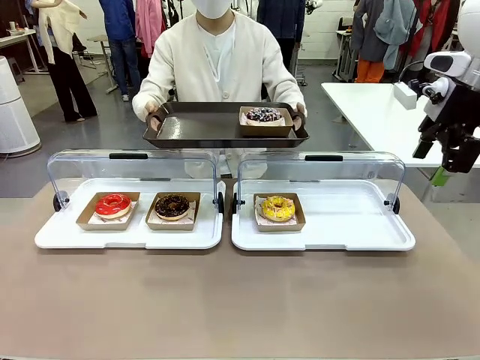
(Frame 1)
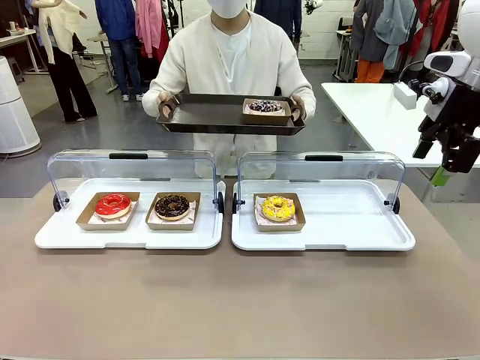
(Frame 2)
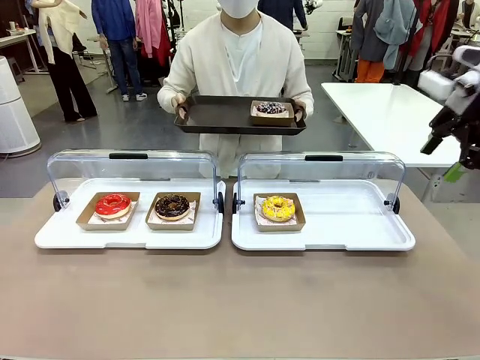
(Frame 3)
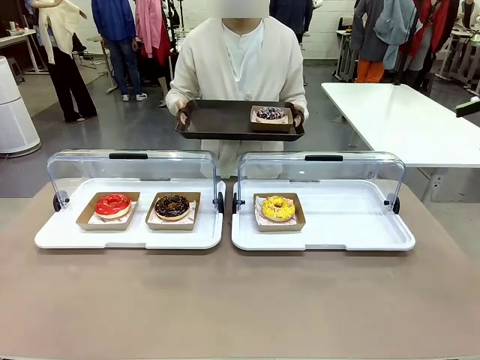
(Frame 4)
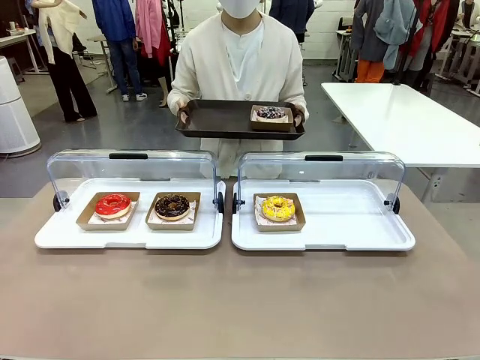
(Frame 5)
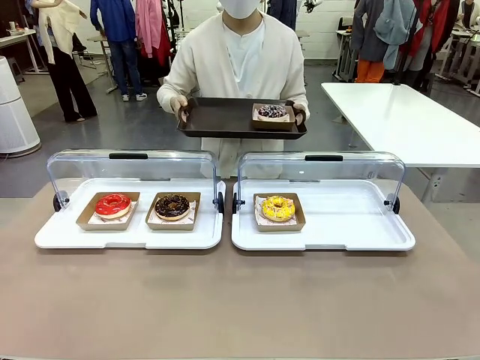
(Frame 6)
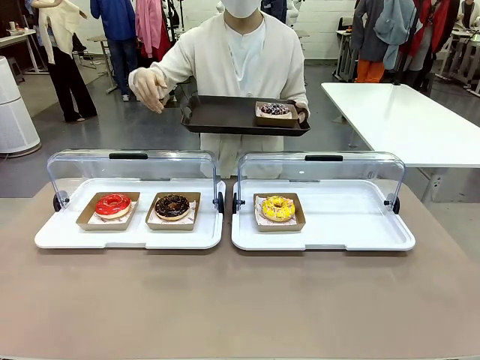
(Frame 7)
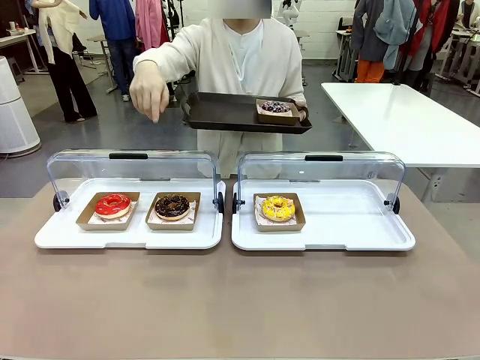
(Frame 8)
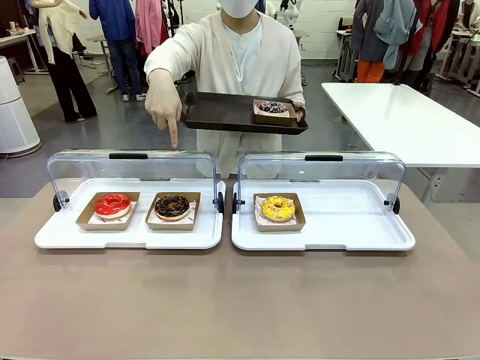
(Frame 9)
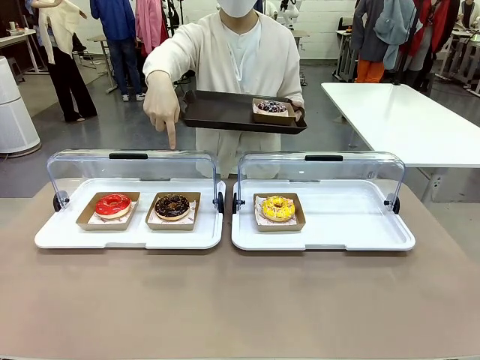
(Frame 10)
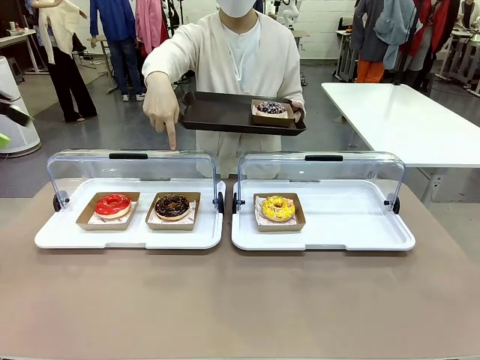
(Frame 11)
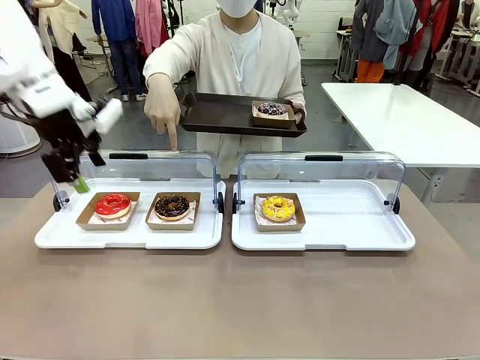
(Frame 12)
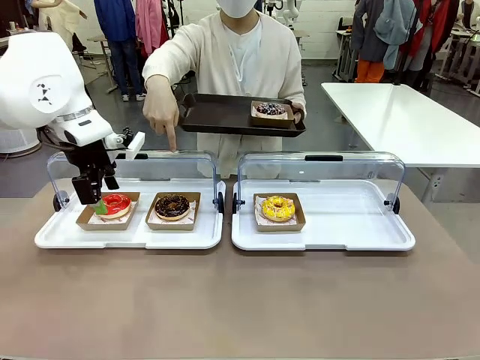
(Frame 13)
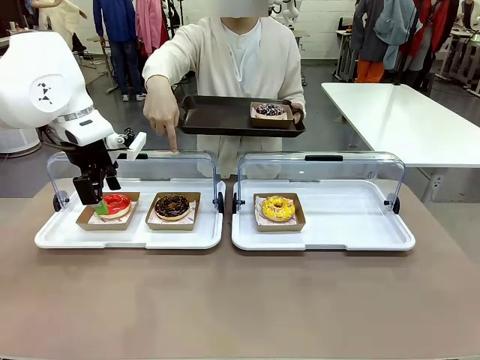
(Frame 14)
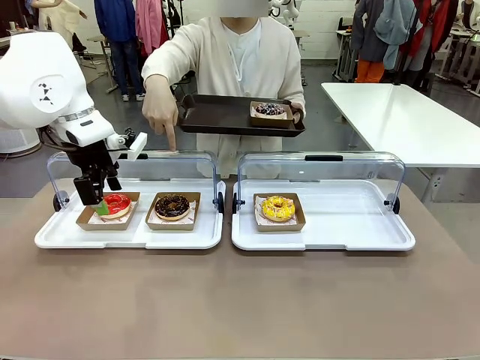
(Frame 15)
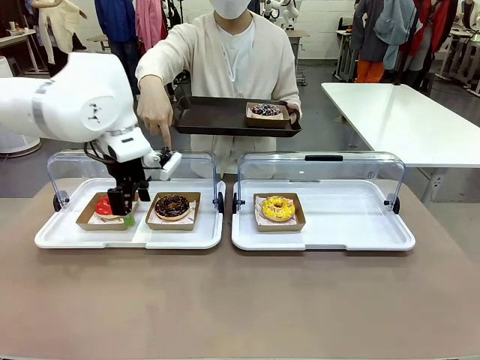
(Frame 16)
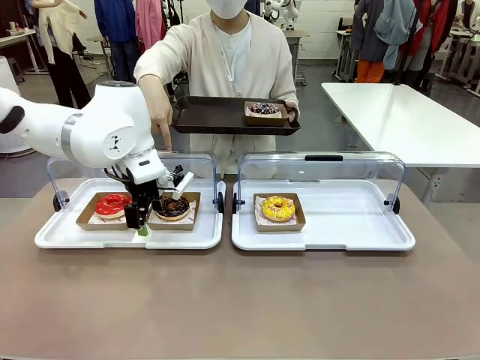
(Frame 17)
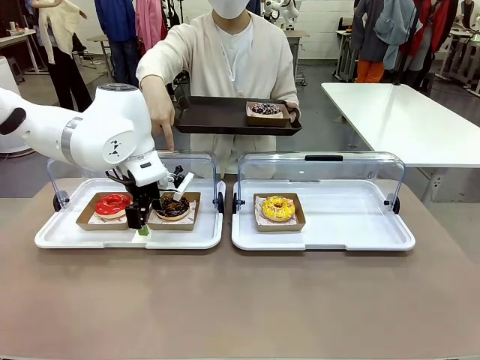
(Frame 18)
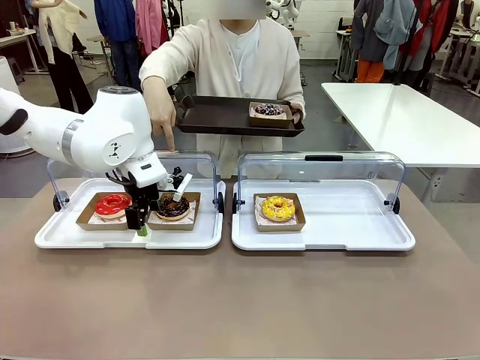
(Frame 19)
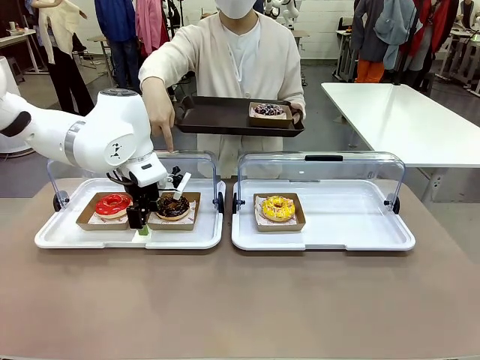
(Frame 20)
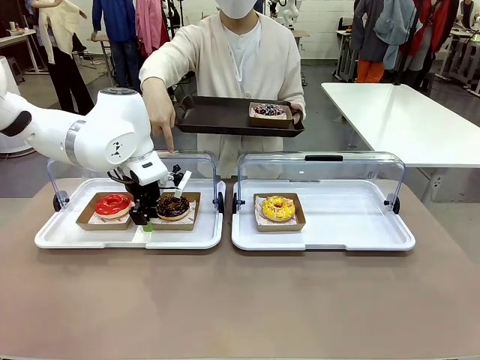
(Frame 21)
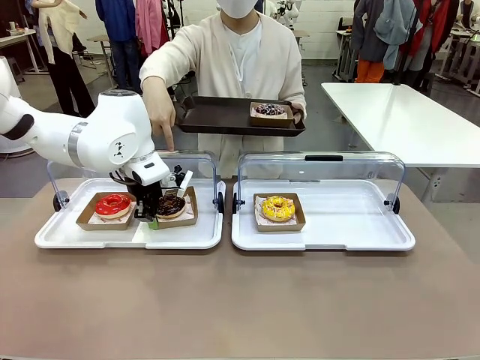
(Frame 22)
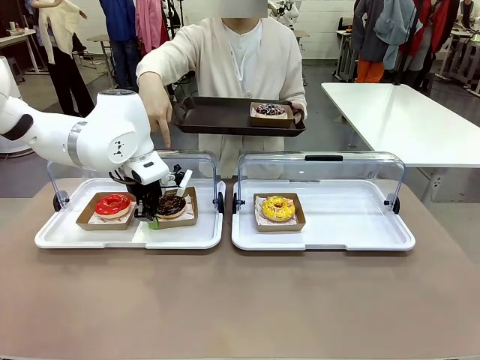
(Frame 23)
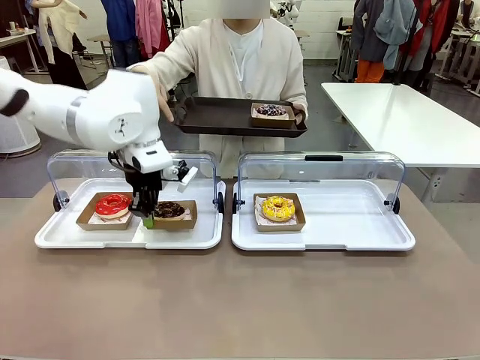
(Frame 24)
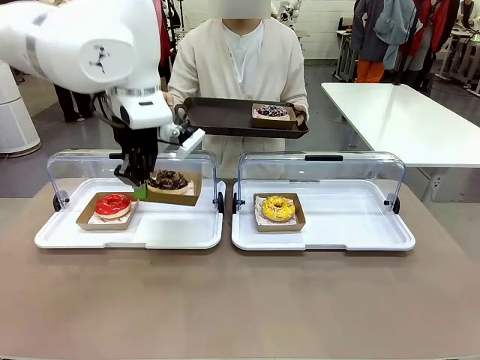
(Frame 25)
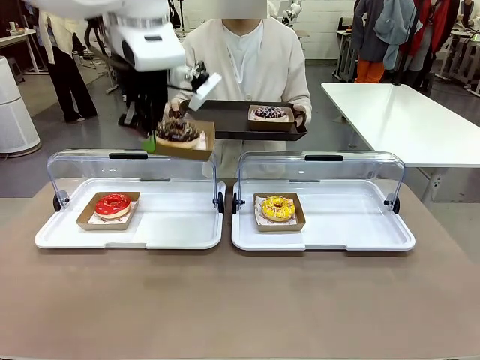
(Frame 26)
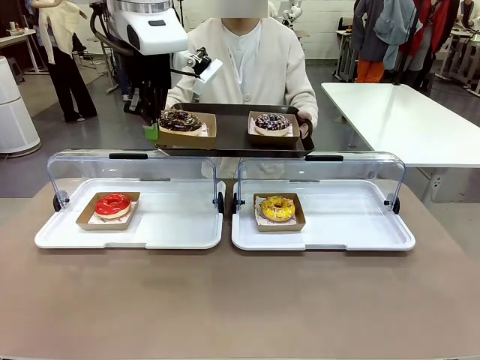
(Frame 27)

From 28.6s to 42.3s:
Task: Provide the desired donut to the person.
Robot: Pick up and lift the Paper togo box containing the Donut pointed at by the person.
Person: Point to one donut. Lift the tray onto the Roll-Top Bakery Case.

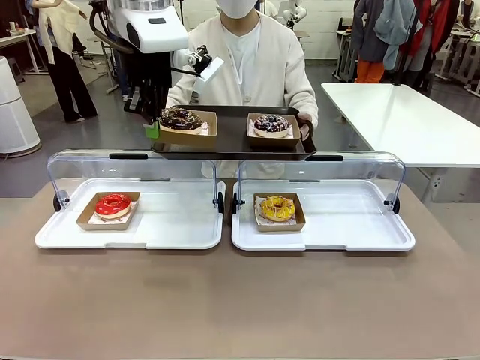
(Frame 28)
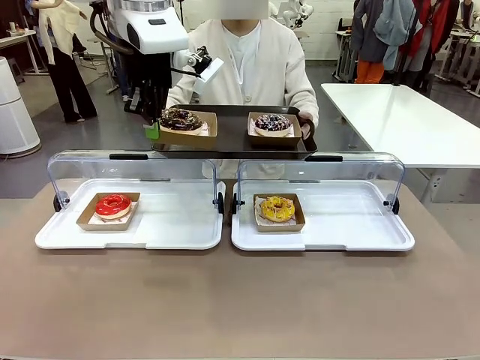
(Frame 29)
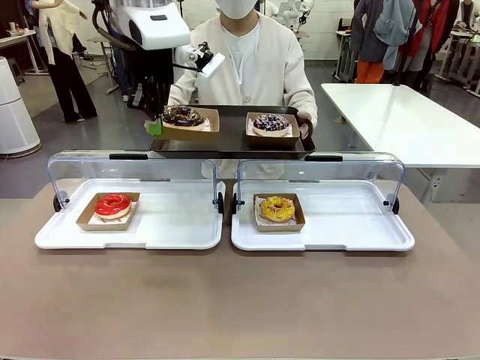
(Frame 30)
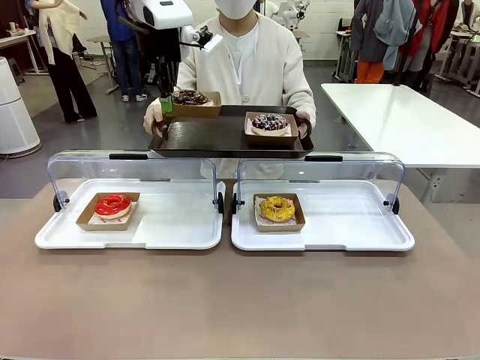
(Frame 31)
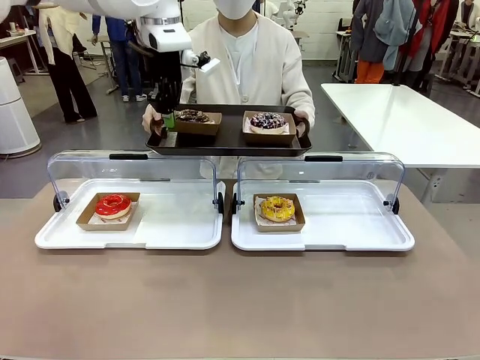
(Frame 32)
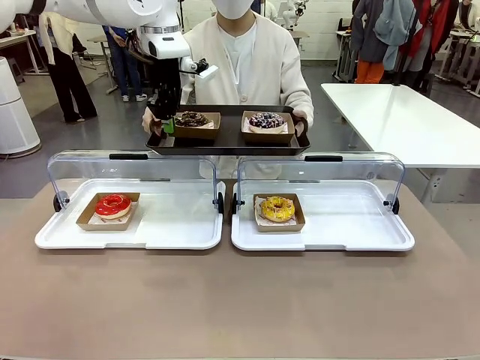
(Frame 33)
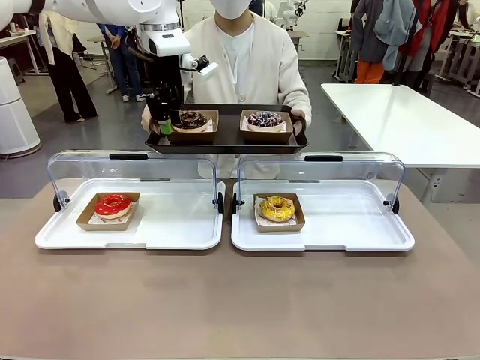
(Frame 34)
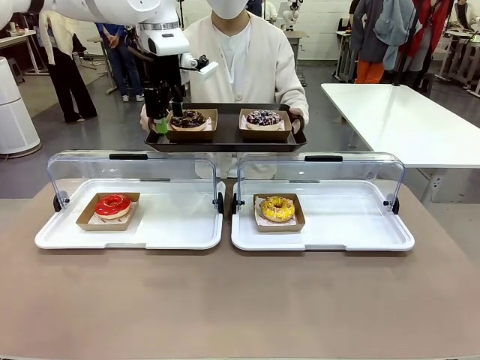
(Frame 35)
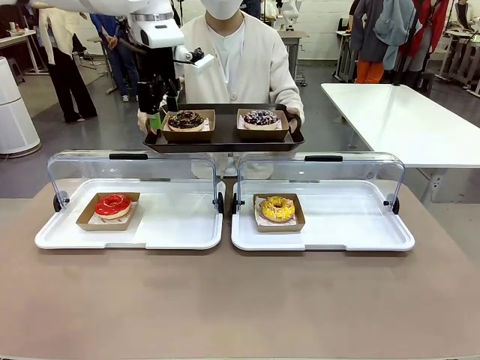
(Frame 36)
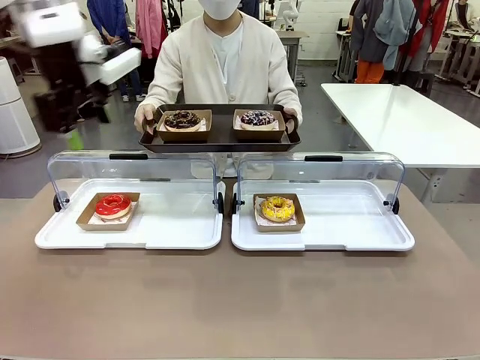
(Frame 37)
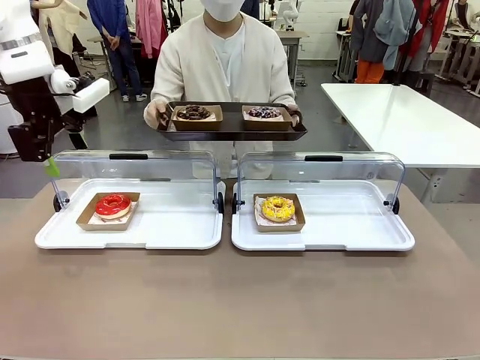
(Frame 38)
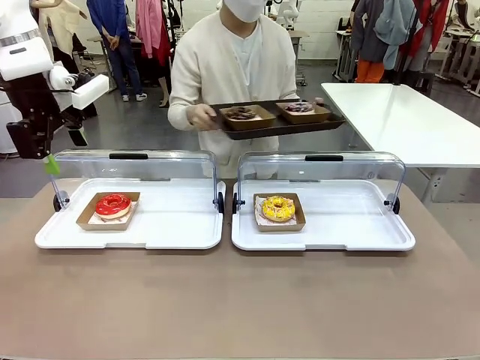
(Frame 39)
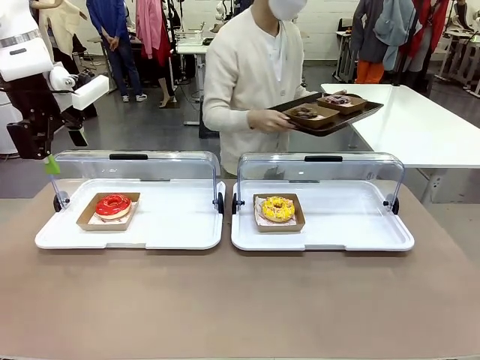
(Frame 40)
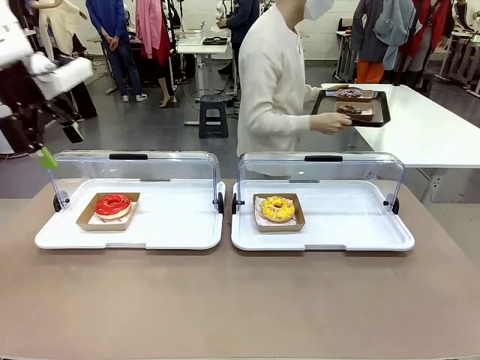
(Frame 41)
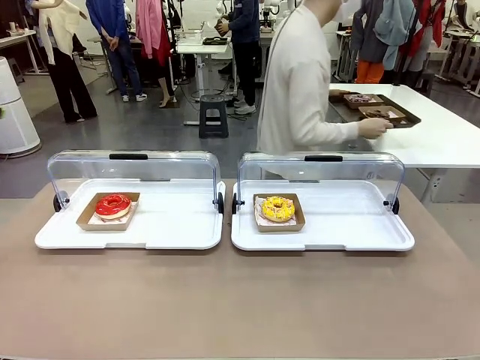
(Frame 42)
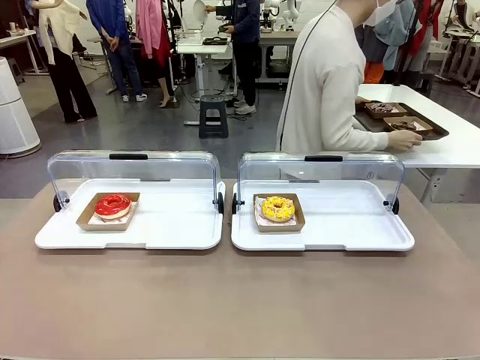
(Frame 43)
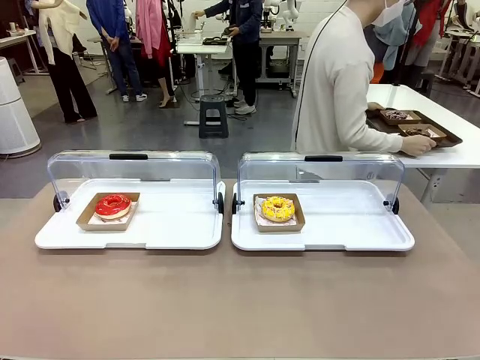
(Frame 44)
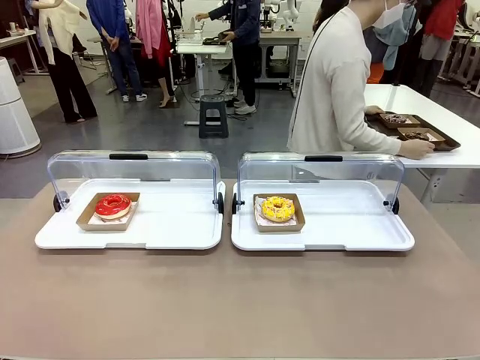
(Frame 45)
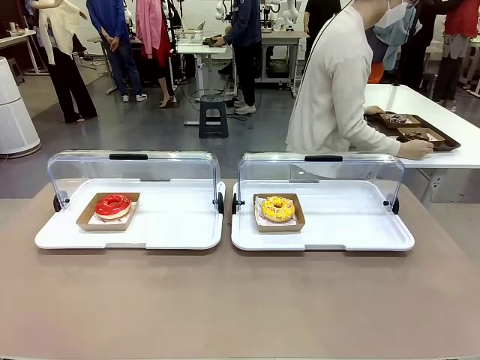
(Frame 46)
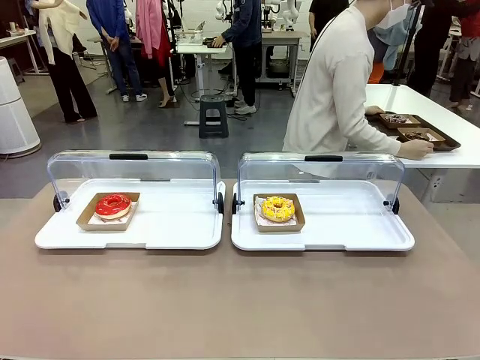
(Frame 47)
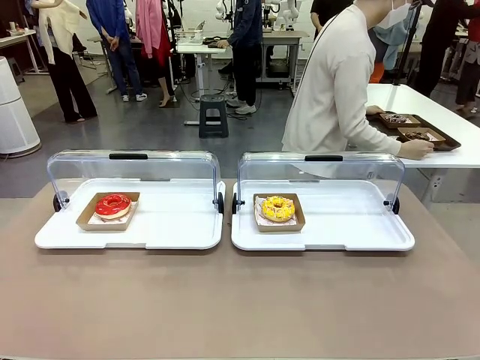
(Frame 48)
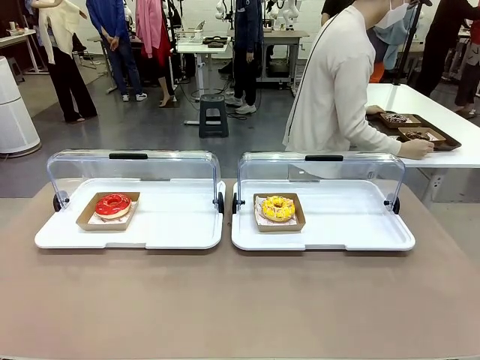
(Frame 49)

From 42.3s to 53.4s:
Robot: Place the picked Paper togo box onto the Handle tray extended by the person.
Person: Place the tray in the middle of the human table.

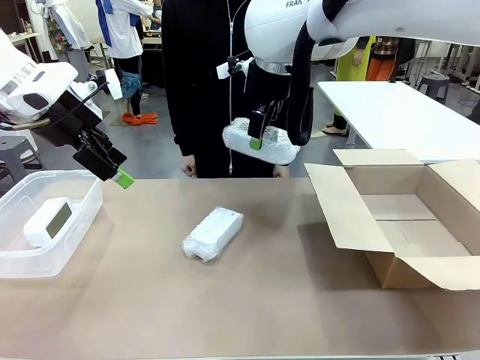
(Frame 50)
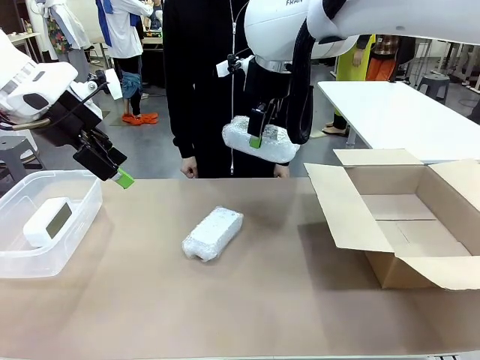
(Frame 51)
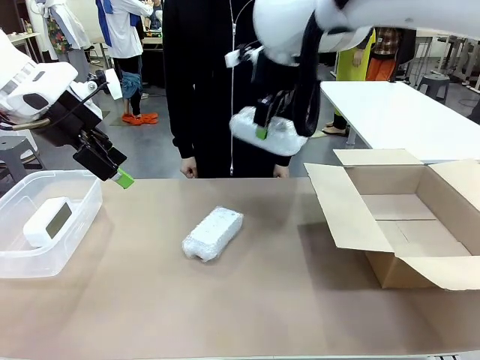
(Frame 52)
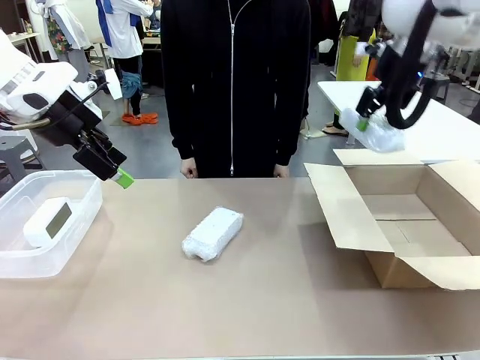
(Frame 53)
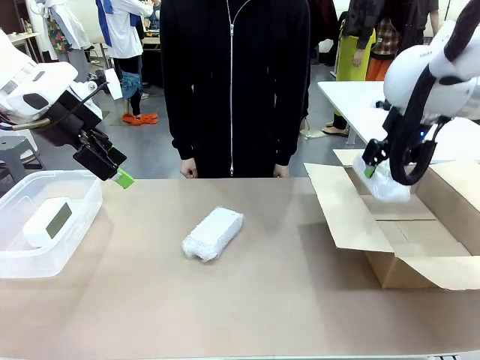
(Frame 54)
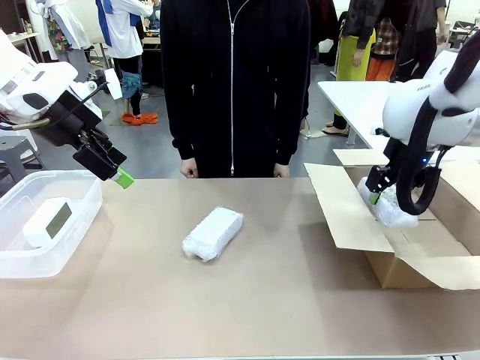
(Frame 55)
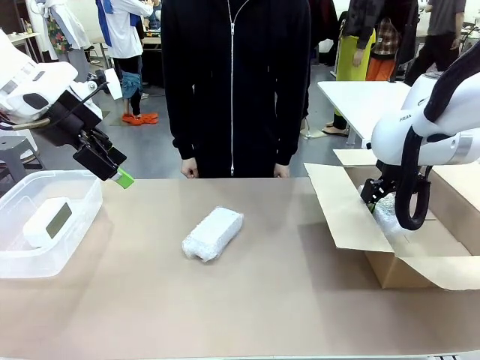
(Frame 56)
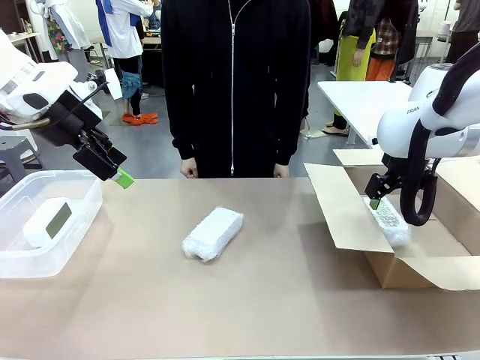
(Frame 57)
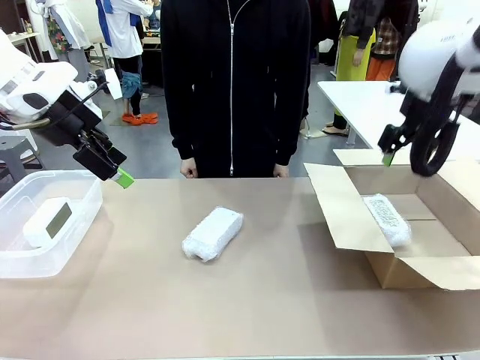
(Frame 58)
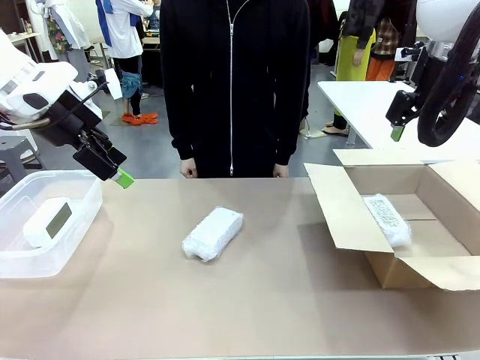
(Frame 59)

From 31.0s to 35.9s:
Task: Separate and place wrapped and unwrapped clocks.
Robot: If the picked Digital clock is wrapped, place it in the Package Box ; if not, place it in the Organizing box.
